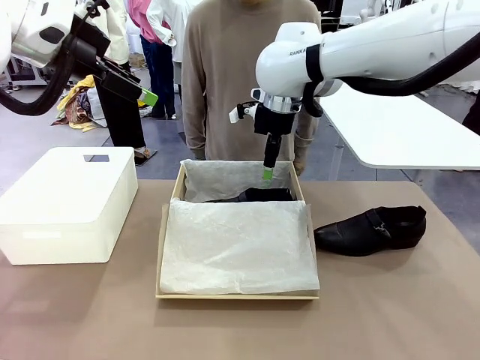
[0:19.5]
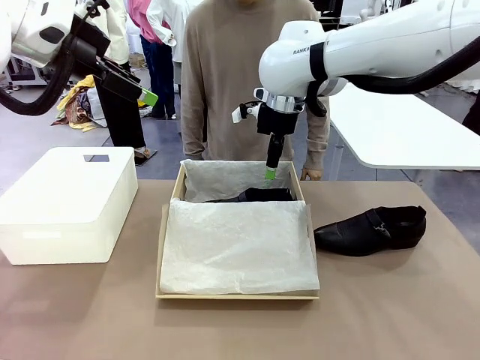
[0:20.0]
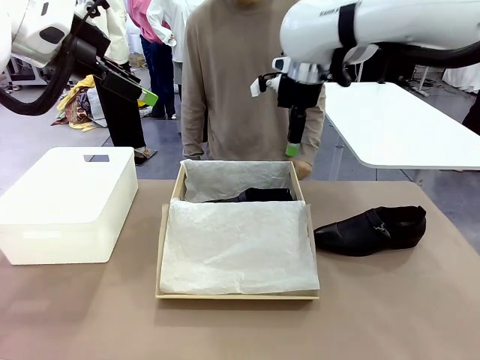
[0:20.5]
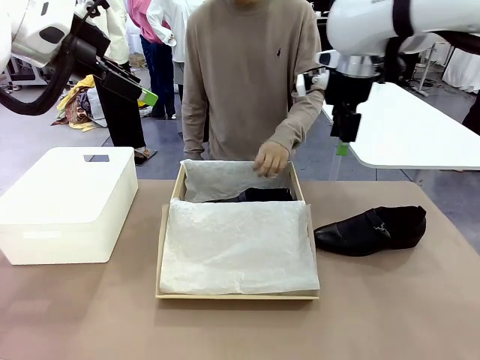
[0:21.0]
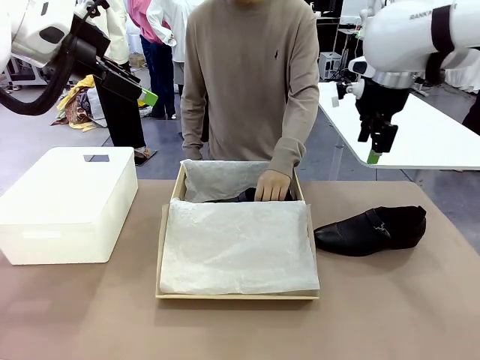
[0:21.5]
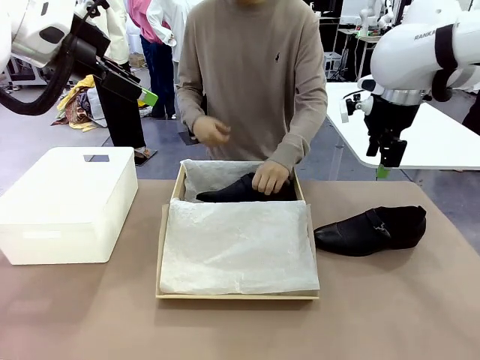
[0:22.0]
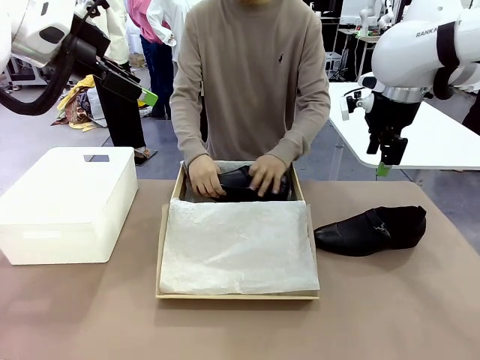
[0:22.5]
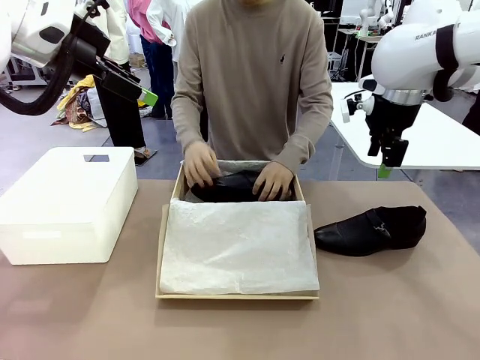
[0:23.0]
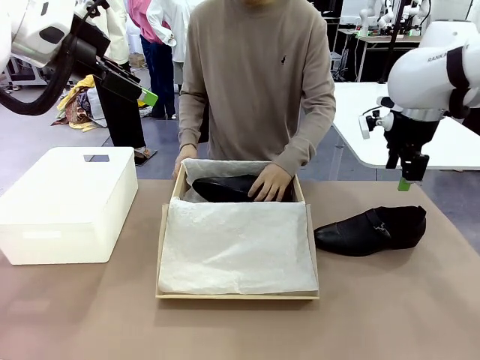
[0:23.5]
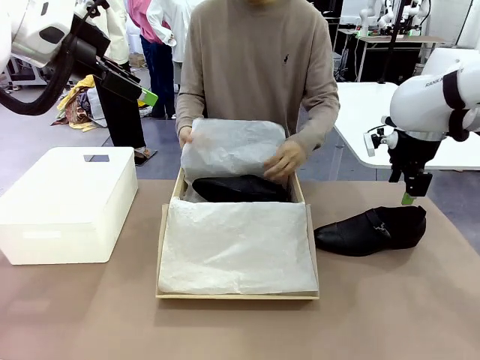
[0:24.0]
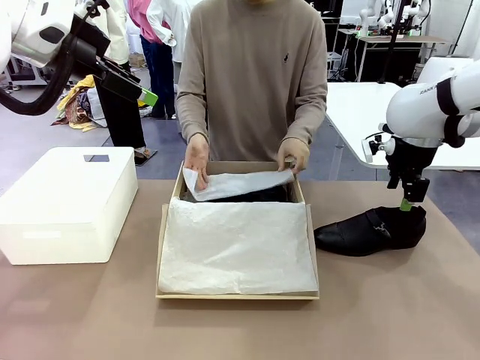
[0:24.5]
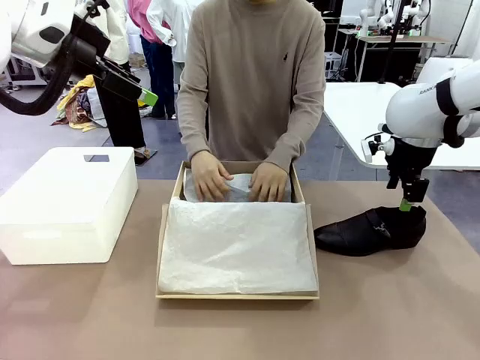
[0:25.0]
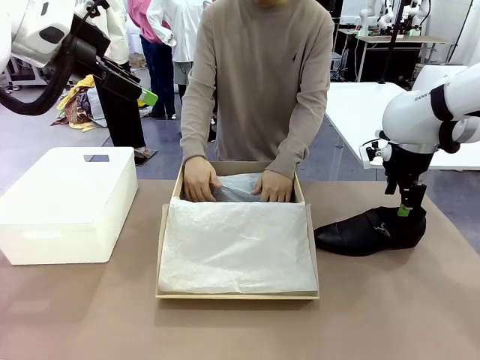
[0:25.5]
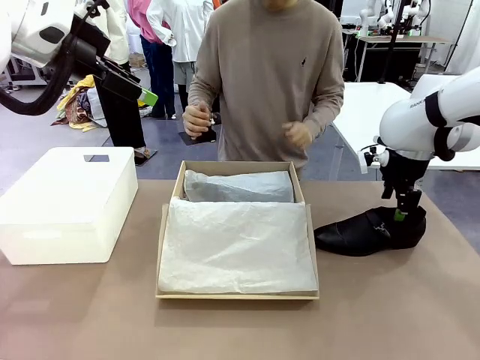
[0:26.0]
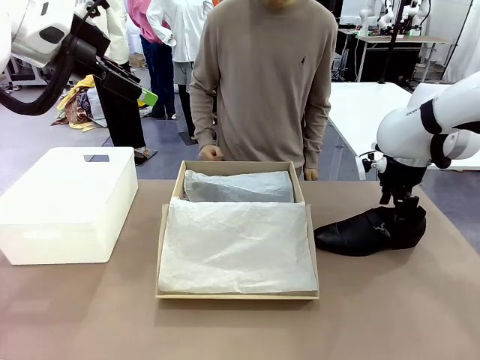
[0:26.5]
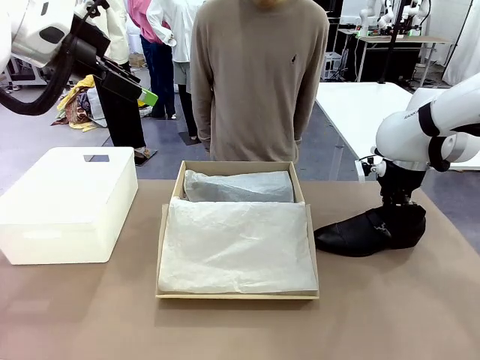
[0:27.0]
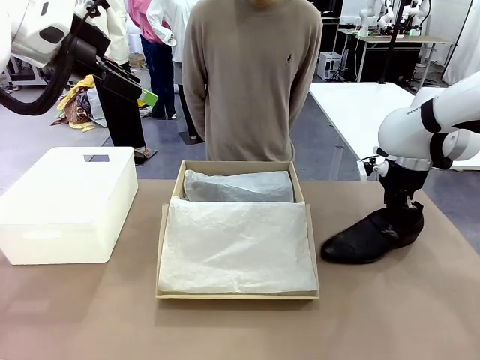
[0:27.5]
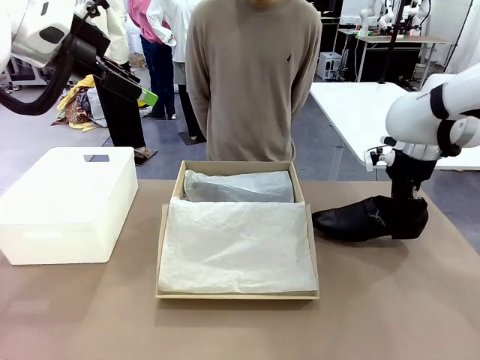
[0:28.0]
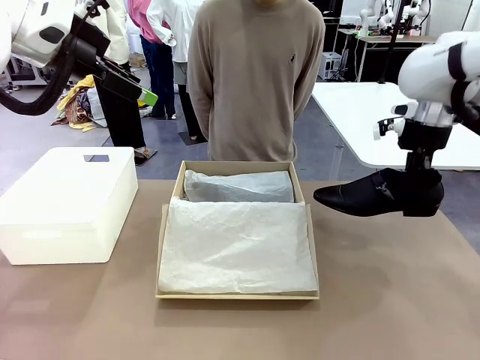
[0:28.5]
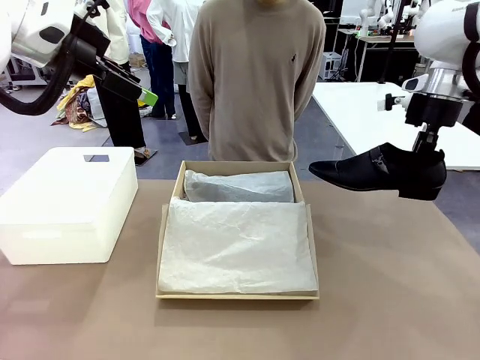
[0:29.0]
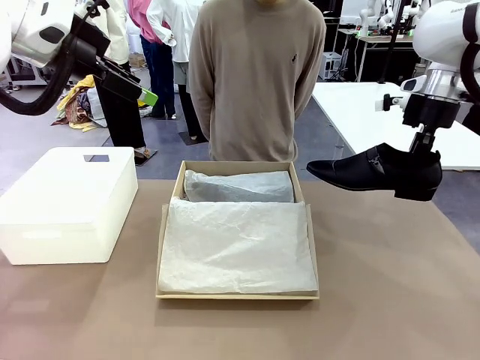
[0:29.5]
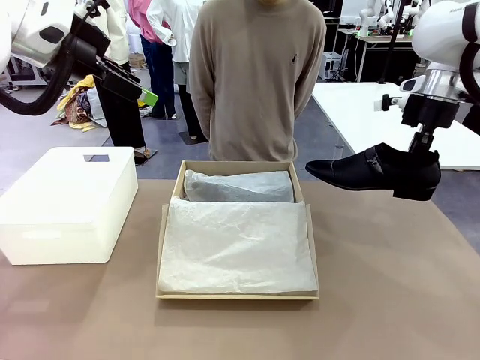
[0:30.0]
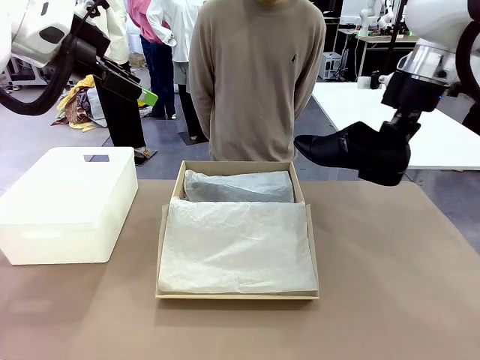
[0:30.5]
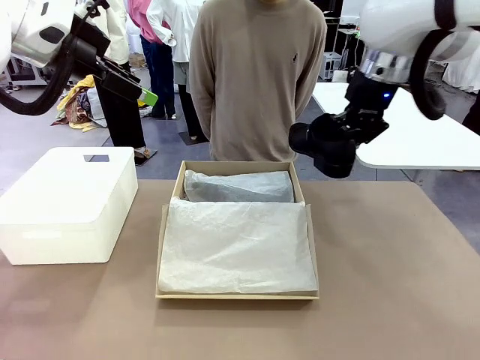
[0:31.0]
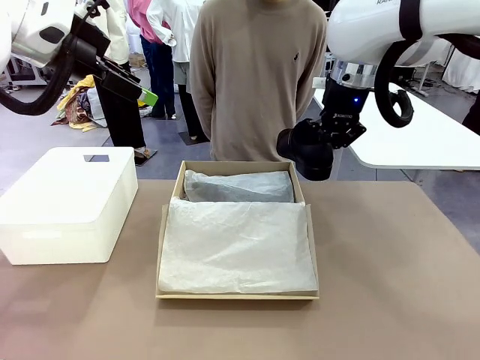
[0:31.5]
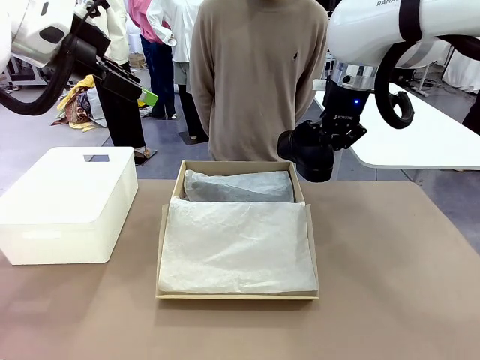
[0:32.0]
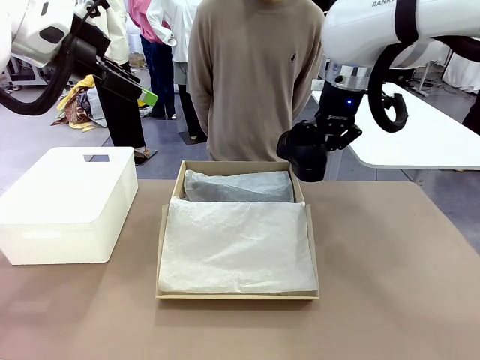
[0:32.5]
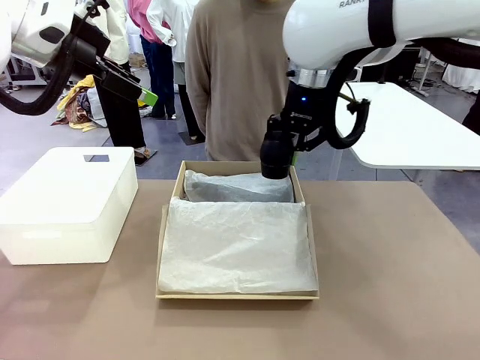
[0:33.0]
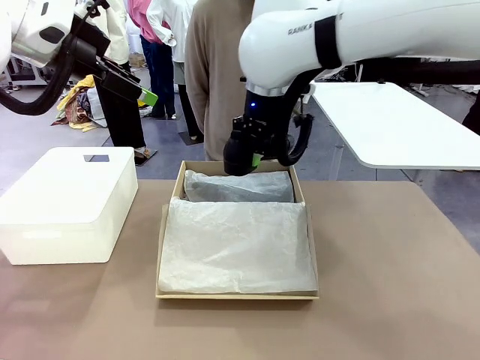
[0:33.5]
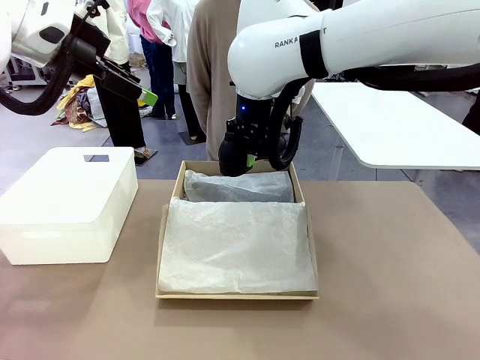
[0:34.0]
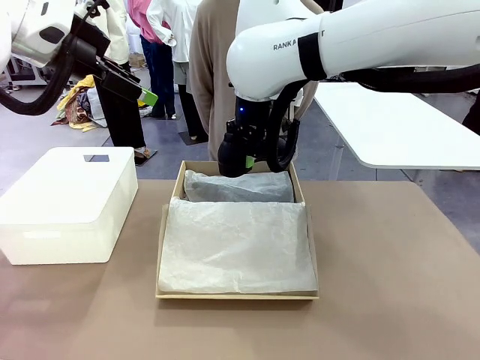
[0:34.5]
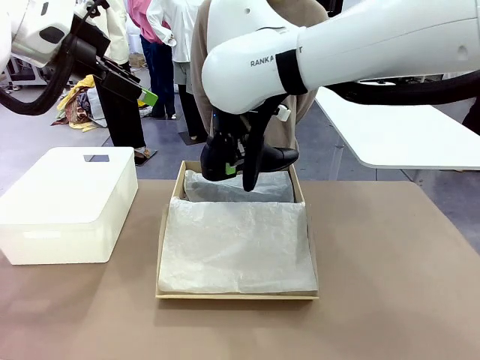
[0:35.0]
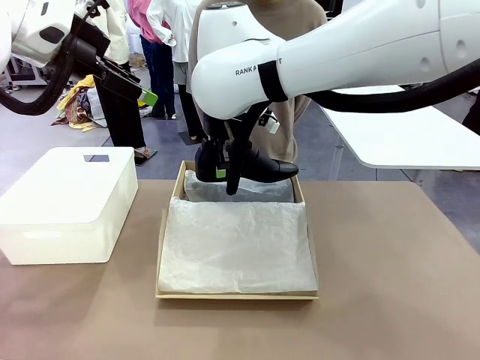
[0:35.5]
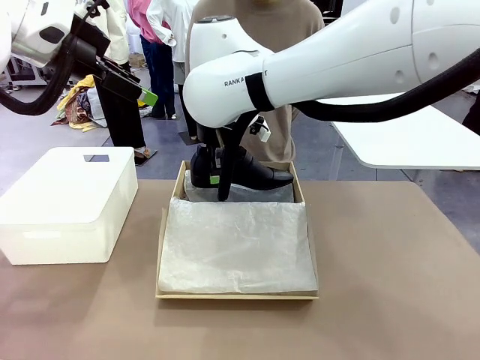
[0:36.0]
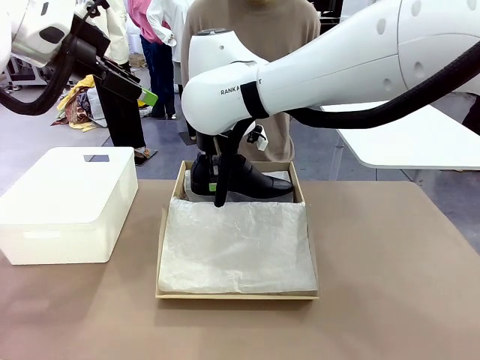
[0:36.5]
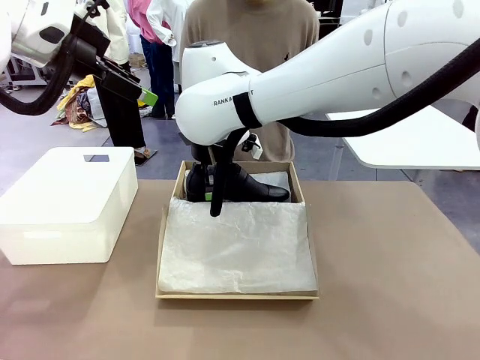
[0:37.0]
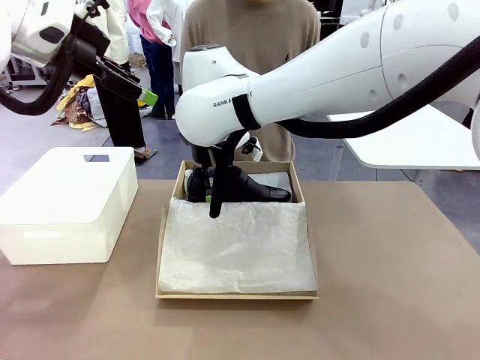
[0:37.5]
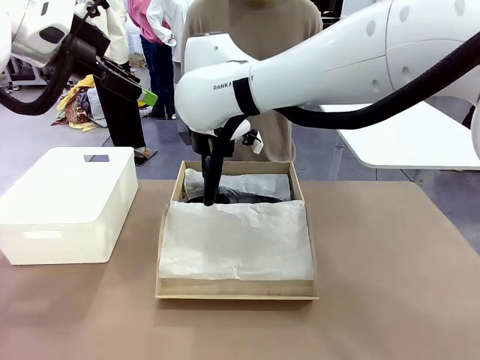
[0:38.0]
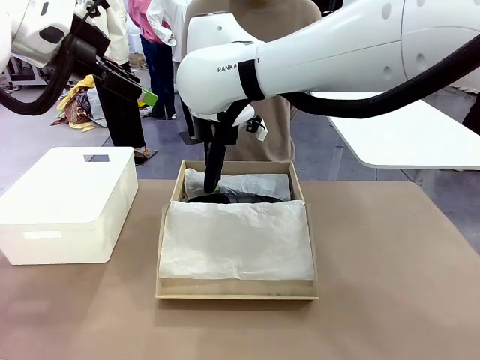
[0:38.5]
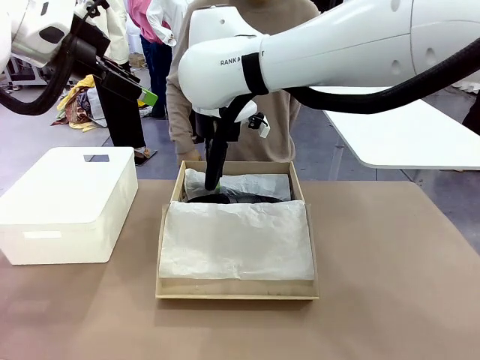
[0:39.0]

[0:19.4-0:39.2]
Task: Pack the shoes into the box.
Robot: Place the other shoe of the Shoes into the Shoes Box.
Person: Pack a shoe of Shoes inside the Shoes Box with Shoes Wrapping Paper.
